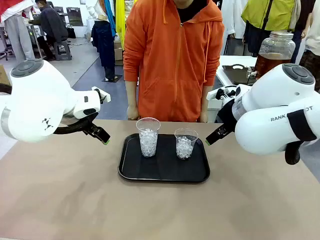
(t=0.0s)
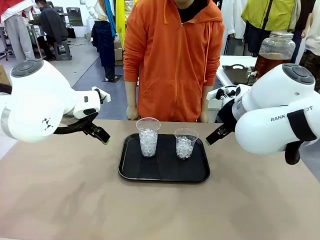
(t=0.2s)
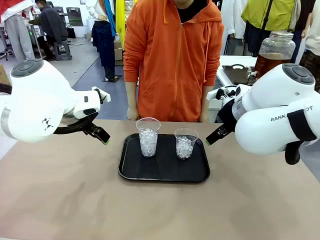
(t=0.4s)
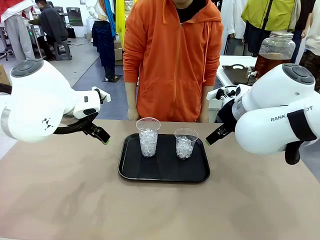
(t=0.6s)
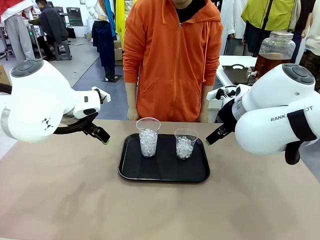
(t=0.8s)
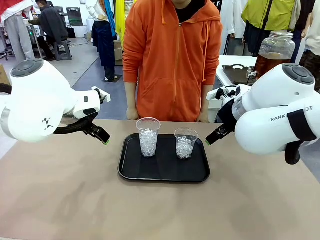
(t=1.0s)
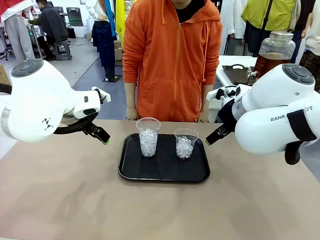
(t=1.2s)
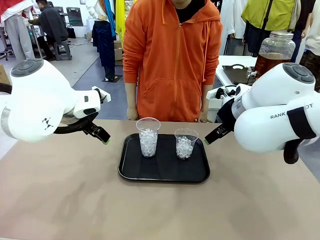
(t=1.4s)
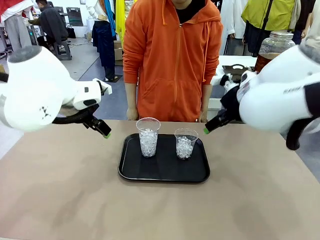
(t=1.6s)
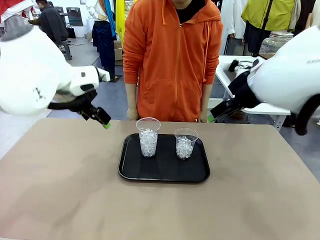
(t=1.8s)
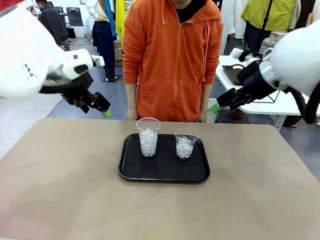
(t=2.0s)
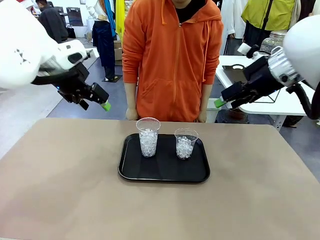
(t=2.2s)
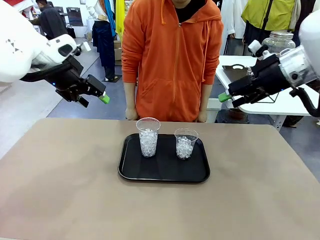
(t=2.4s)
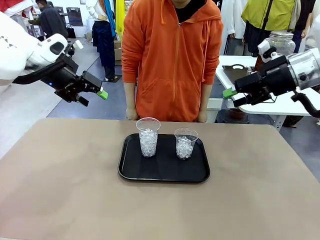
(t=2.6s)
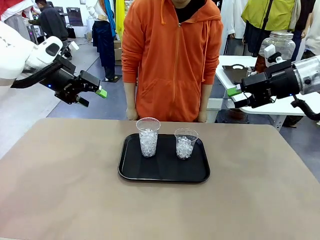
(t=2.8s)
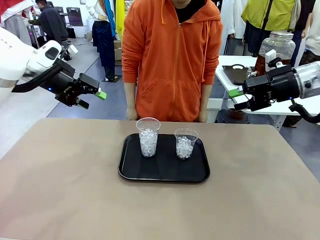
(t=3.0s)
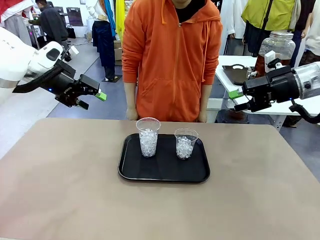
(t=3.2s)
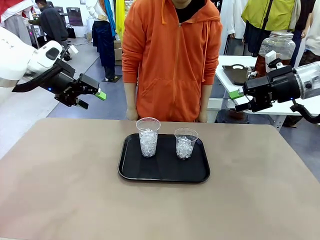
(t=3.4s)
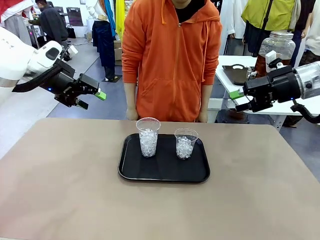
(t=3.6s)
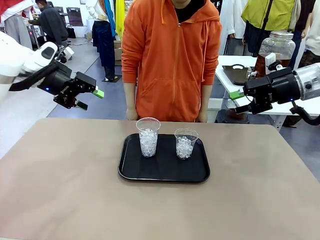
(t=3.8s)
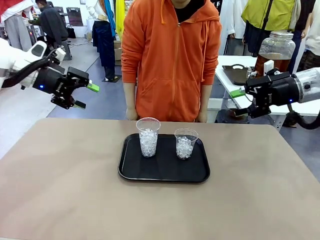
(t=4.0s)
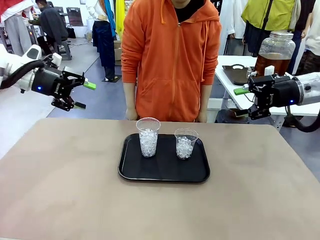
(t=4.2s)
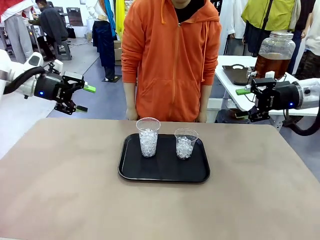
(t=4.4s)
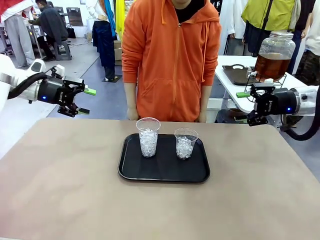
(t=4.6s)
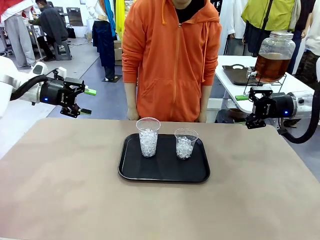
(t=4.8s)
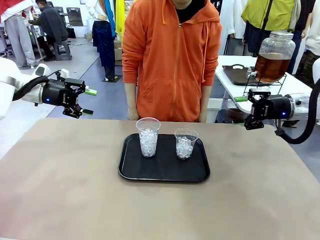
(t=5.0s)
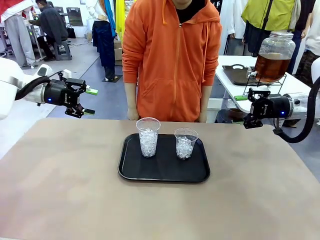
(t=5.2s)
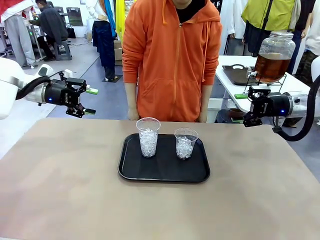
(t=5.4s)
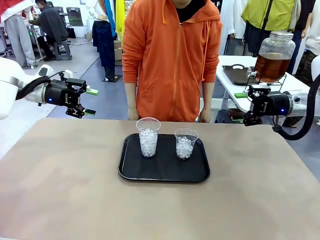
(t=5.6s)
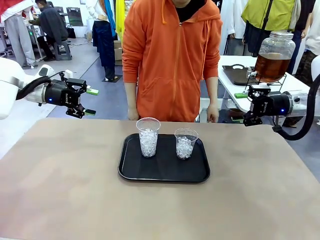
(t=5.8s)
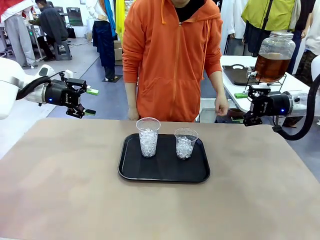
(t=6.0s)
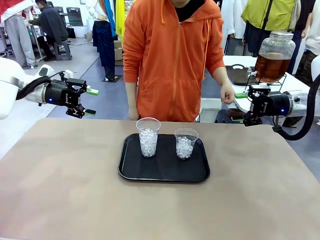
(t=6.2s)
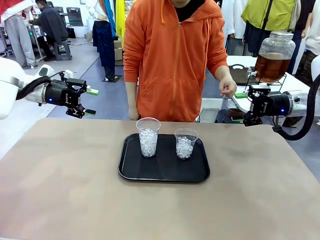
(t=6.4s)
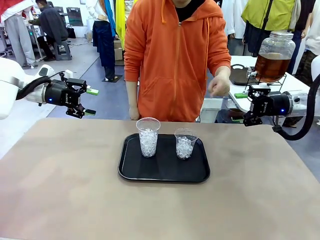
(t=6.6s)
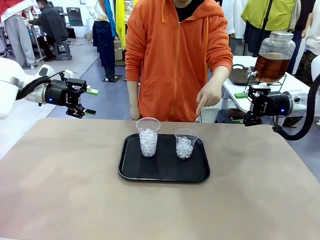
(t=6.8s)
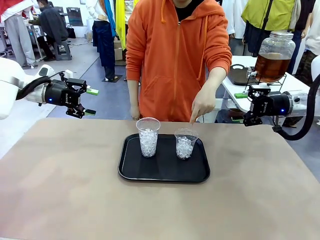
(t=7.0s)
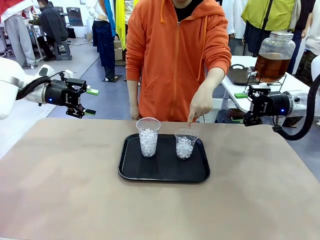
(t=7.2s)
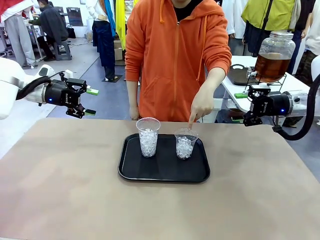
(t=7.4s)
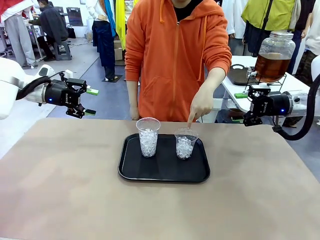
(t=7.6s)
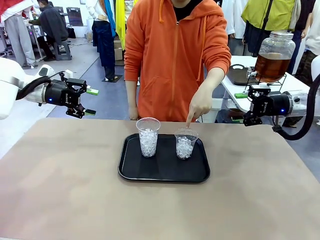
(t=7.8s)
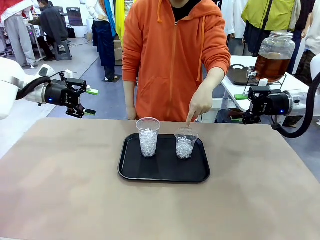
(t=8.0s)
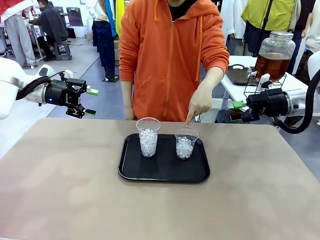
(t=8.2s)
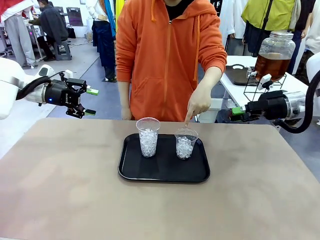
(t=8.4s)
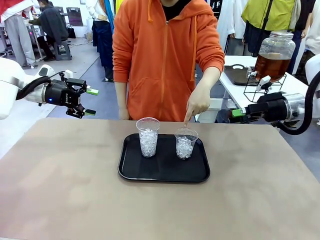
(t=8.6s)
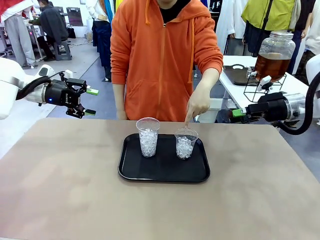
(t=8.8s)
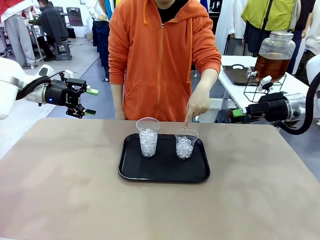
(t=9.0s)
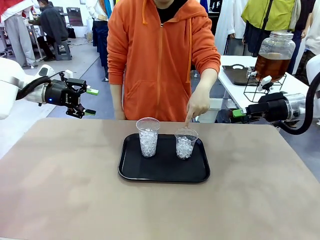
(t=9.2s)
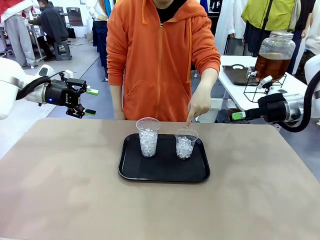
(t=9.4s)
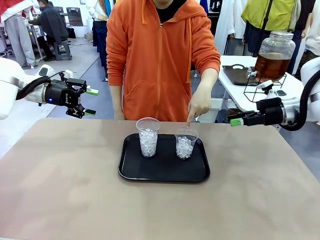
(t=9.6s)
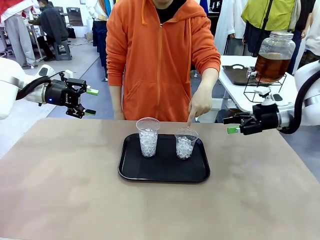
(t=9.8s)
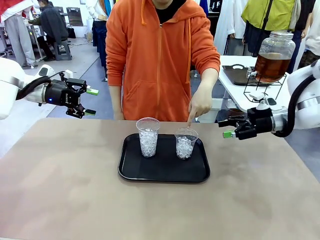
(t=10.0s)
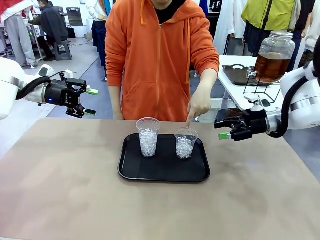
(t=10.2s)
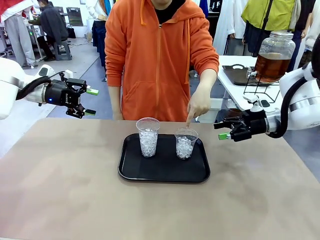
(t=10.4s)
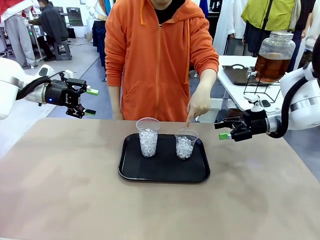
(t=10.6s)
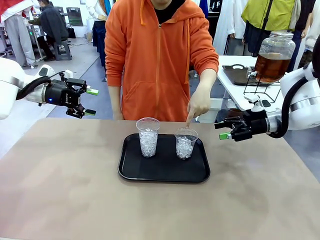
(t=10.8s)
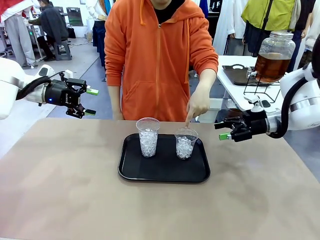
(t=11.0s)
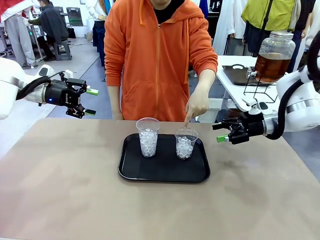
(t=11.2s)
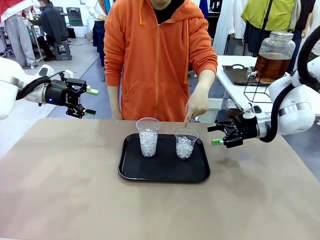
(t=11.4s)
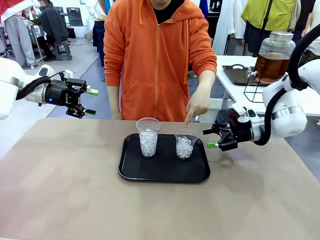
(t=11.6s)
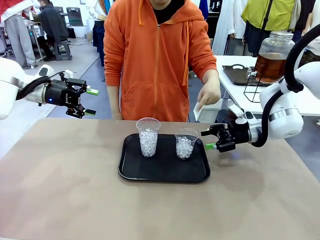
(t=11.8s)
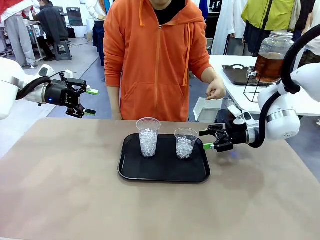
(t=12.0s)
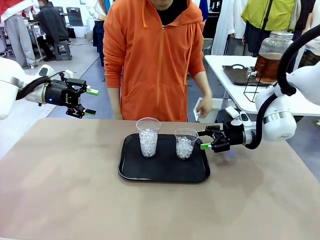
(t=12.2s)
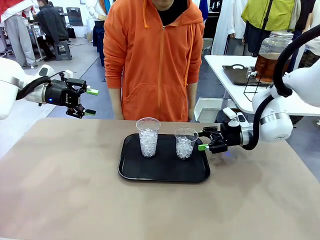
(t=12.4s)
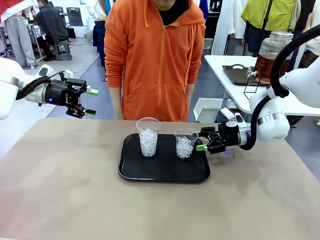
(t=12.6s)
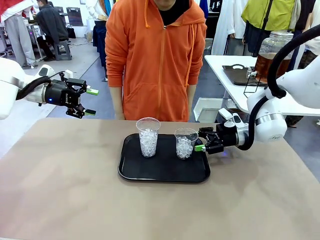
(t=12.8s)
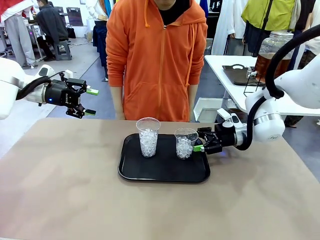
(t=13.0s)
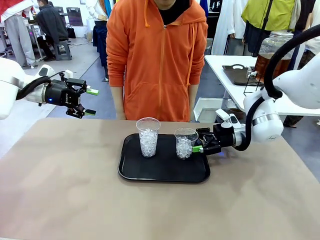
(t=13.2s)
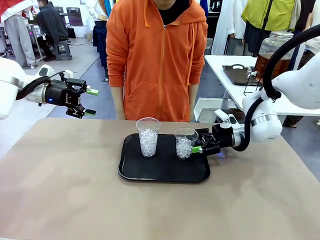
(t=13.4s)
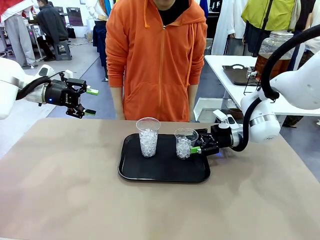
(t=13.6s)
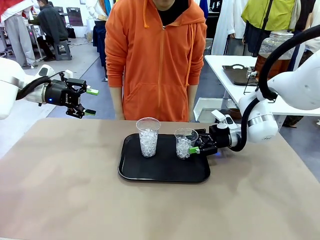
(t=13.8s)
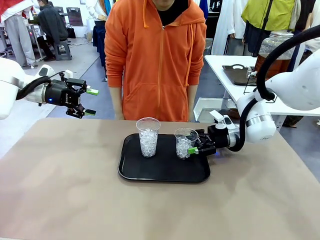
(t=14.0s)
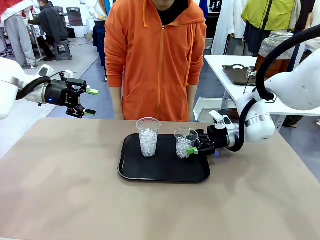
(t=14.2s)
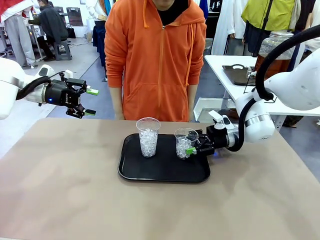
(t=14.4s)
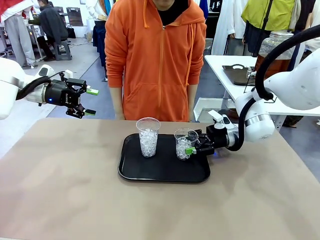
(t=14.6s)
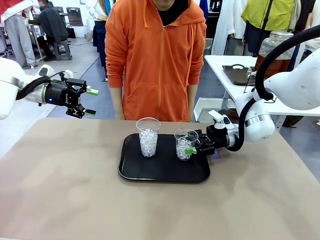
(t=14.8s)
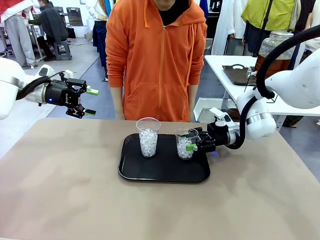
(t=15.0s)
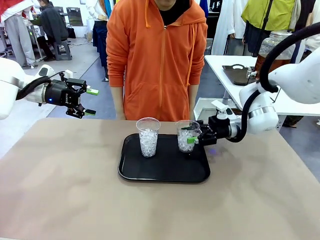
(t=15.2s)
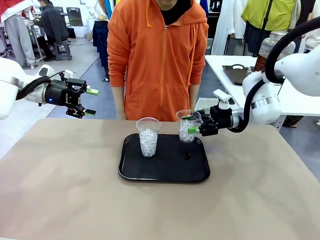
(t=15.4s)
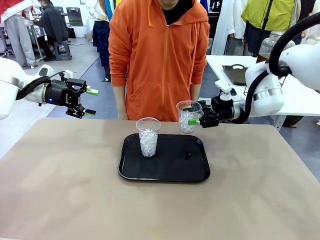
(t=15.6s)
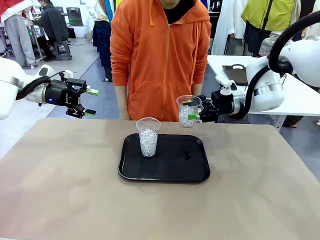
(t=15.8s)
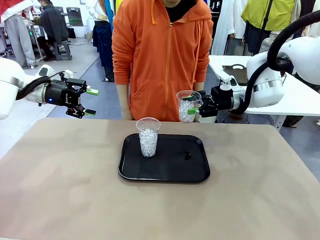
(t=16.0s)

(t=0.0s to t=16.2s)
Task: Pour the drink into the iced cup.
Robot: Pick up the iced cup indicated by the human and present it to them.
Person: Point to one of the two ice cups. Pick up the cup offered by the robot.

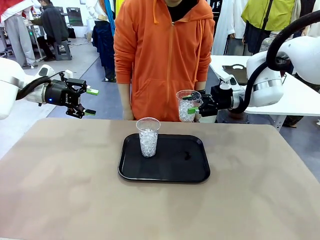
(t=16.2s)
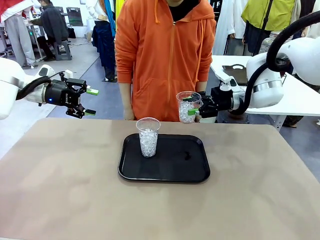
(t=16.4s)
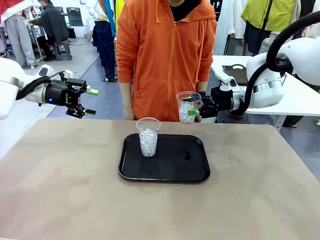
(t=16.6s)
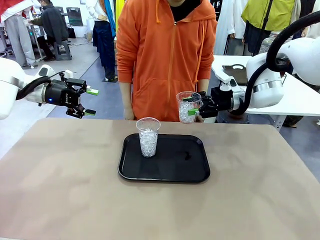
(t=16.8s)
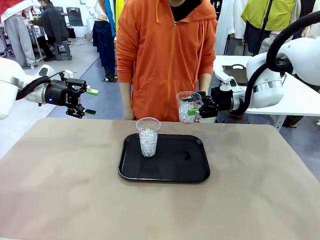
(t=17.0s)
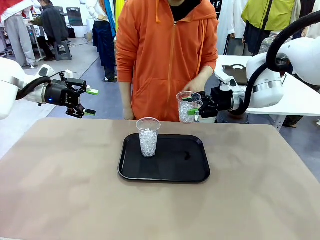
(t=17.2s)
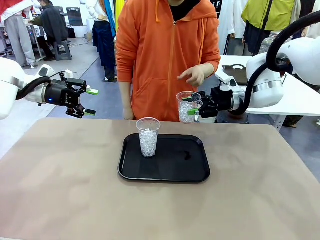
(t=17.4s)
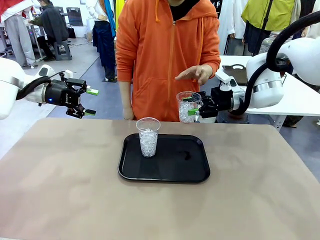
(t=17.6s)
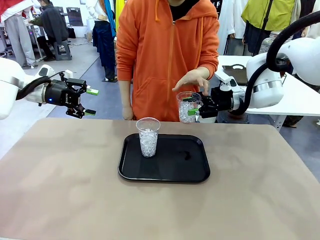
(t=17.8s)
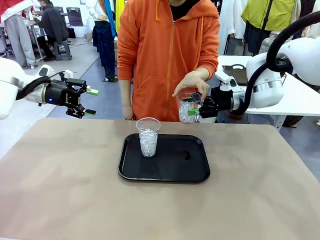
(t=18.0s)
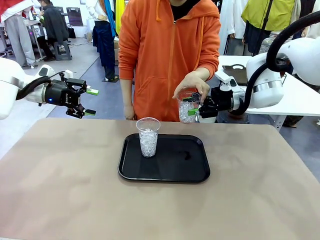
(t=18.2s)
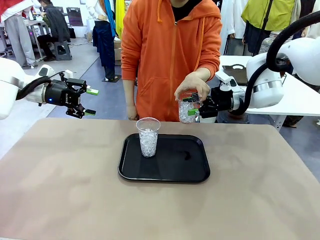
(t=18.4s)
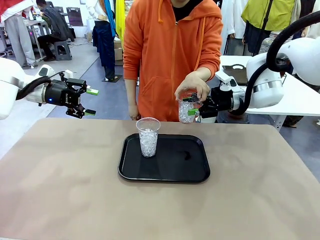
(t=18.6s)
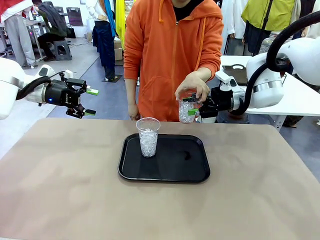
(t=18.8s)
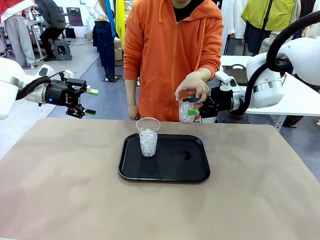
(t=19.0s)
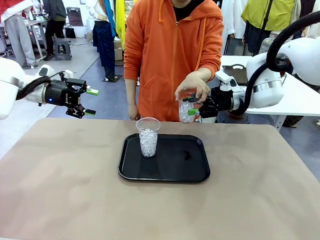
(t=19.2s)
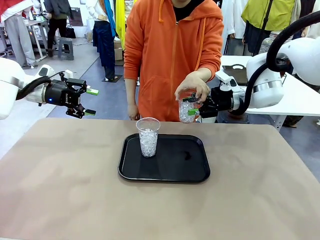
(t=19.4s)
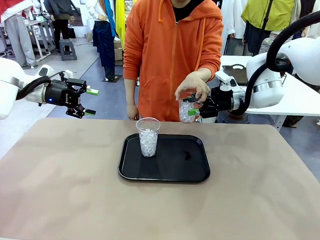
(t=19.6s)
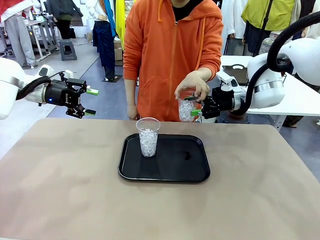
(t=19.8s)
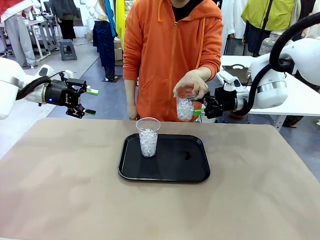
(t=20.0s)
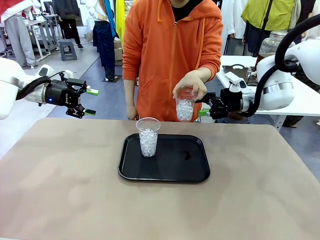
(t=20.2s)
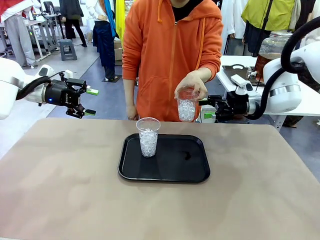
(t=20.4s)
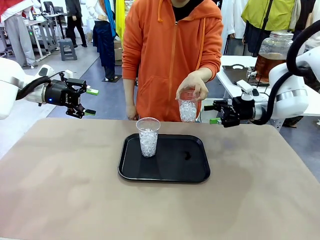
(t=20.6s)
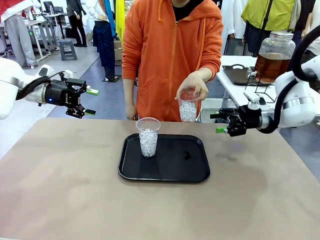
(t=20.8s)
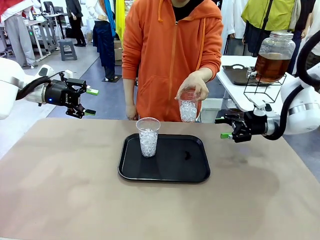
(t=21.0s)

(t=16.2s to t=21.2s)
Robot: Open the gripper to release the iced cup you were holding.
